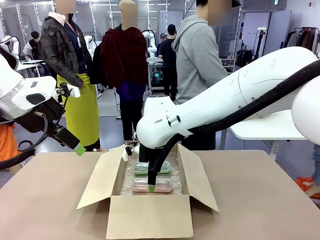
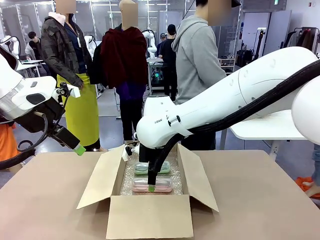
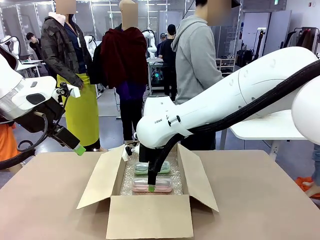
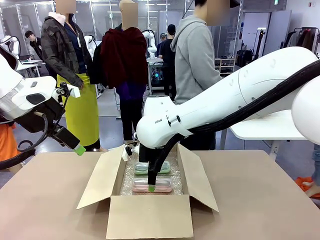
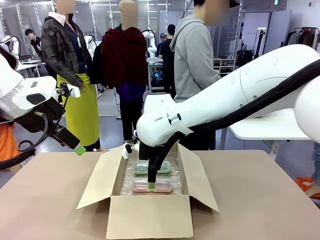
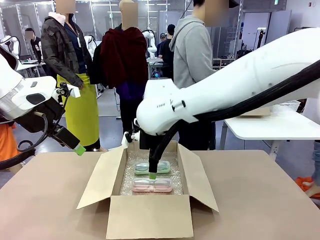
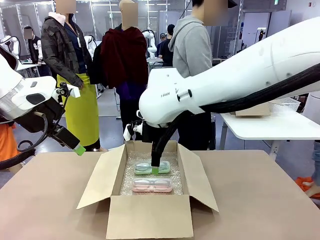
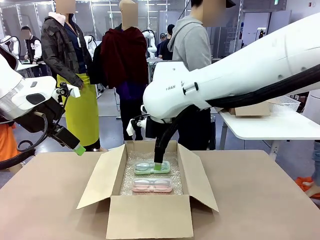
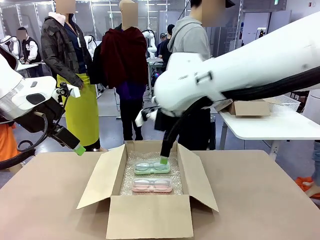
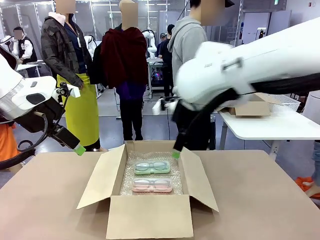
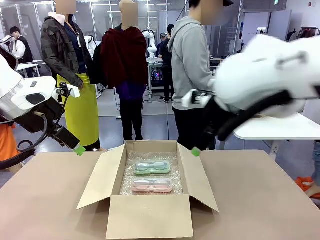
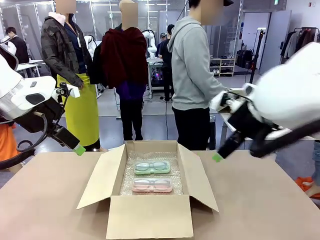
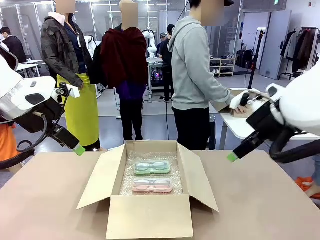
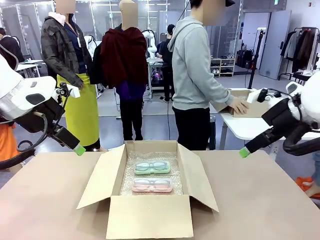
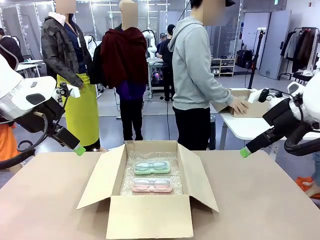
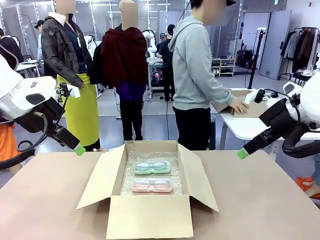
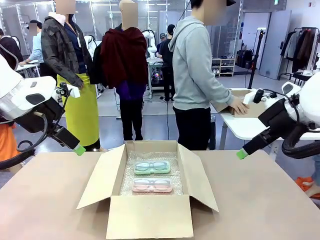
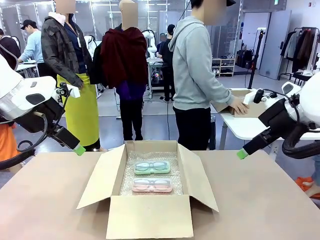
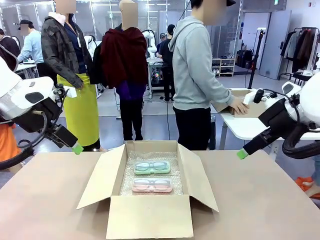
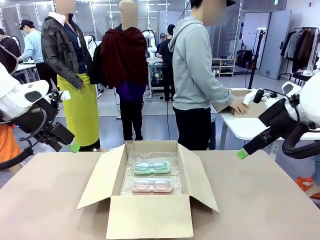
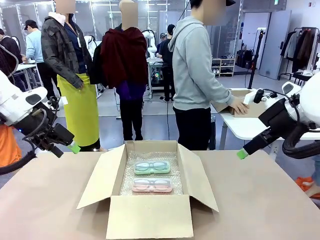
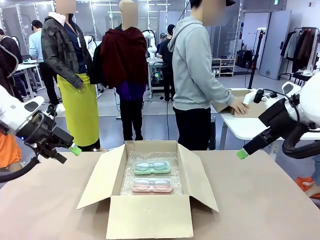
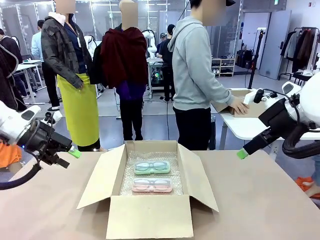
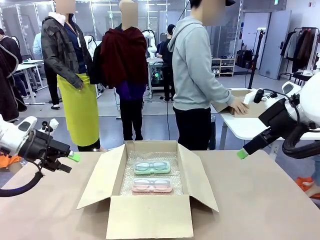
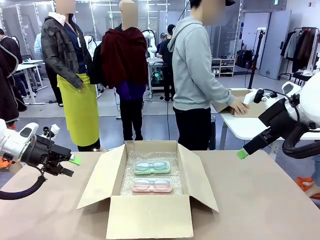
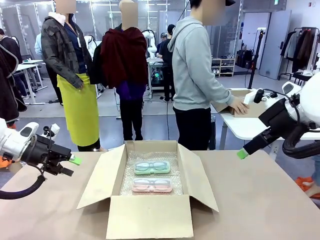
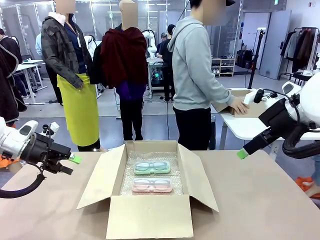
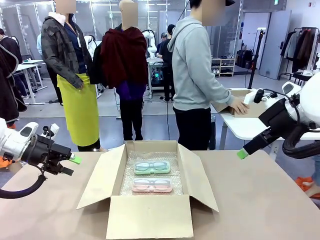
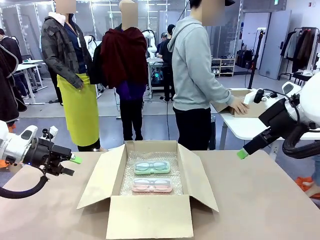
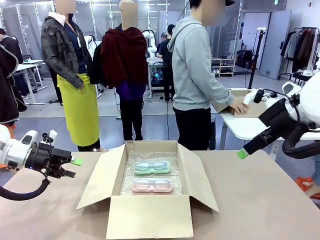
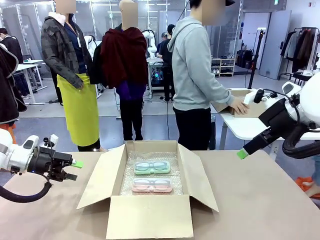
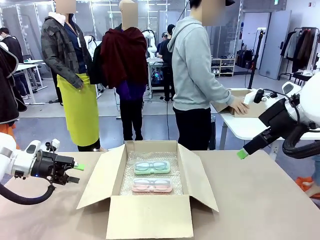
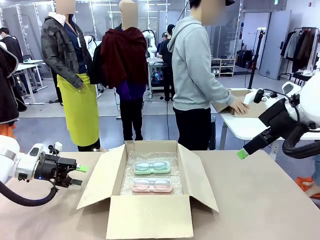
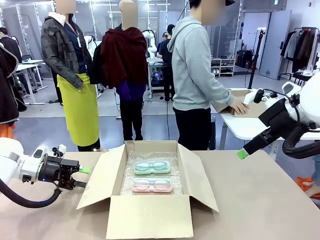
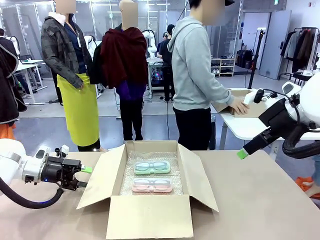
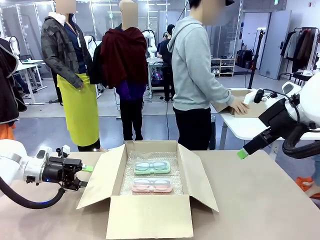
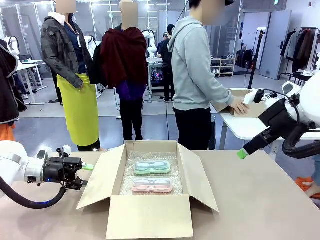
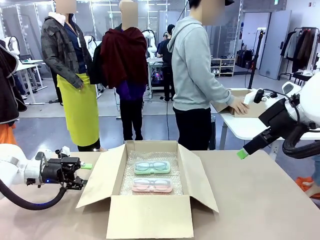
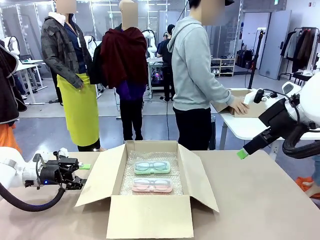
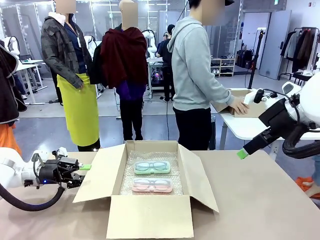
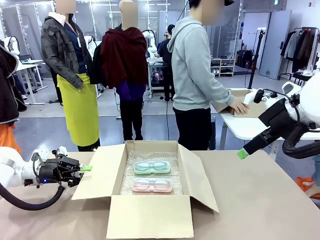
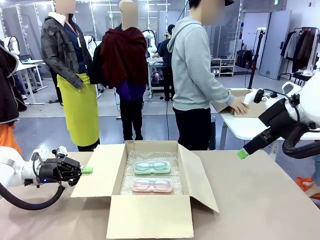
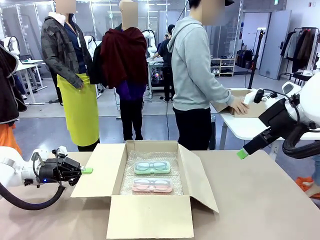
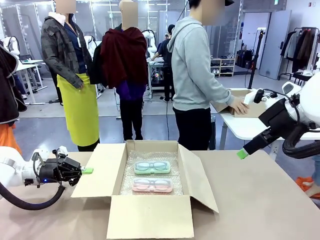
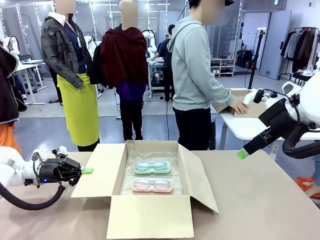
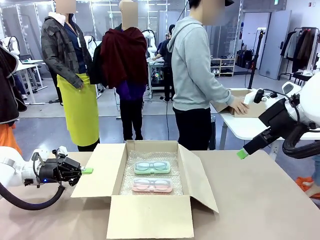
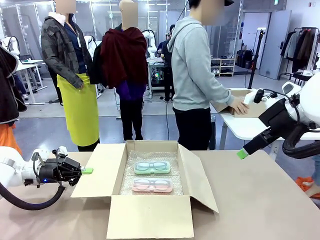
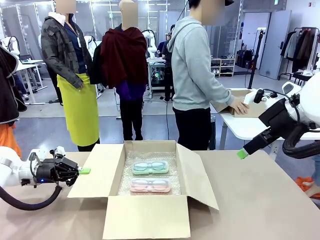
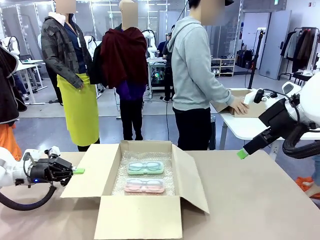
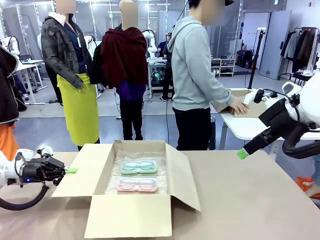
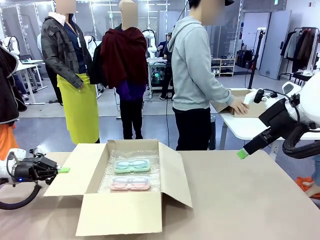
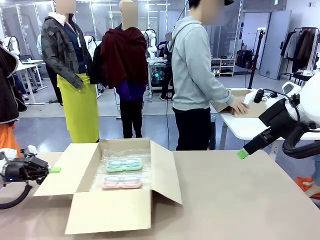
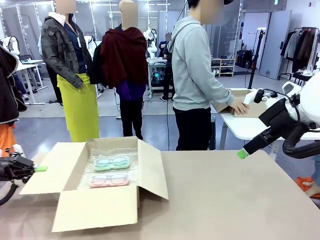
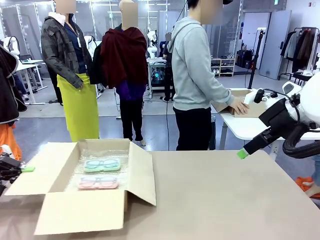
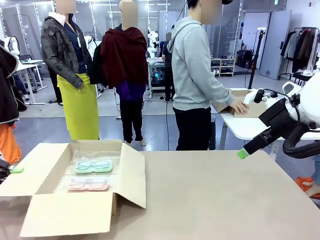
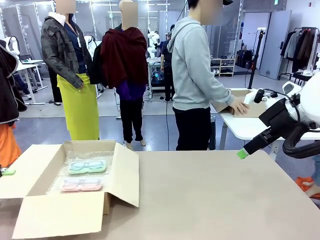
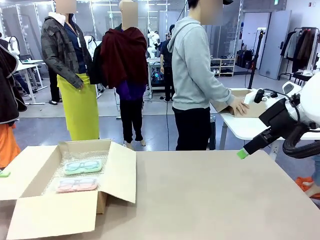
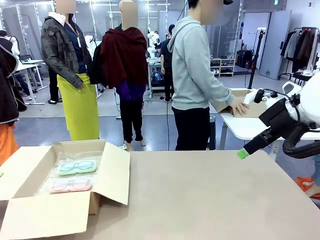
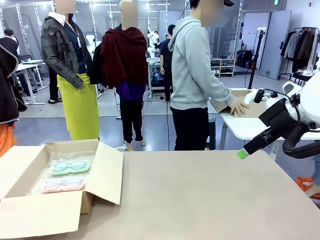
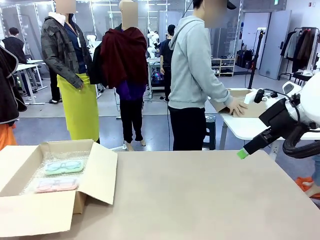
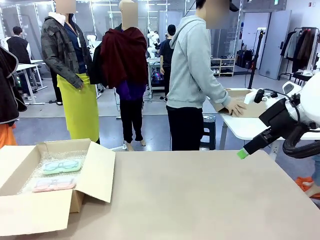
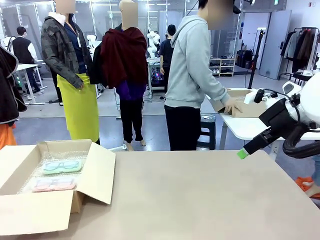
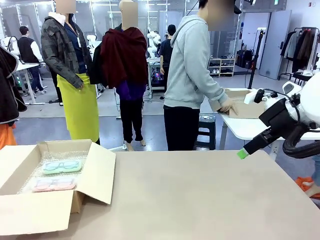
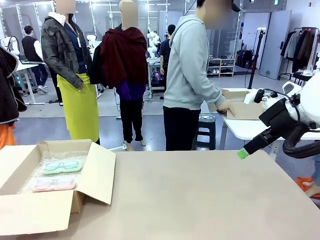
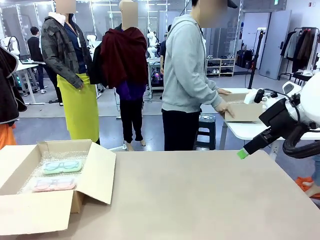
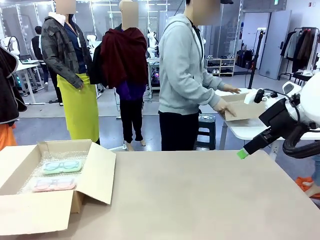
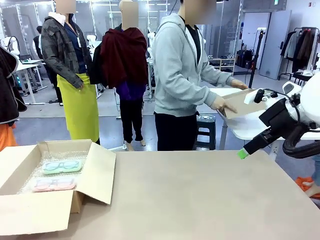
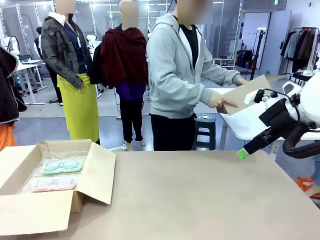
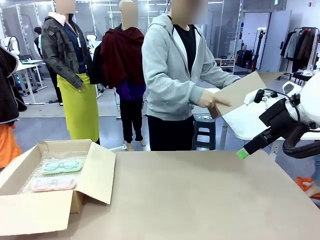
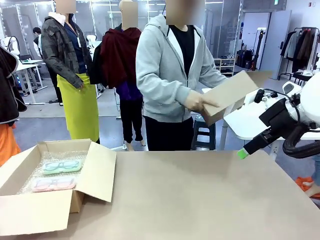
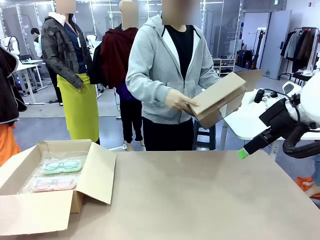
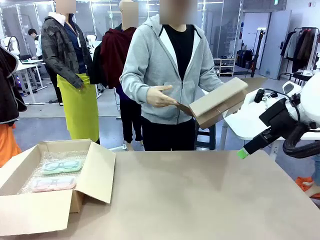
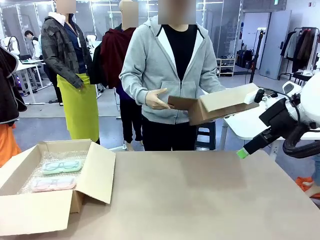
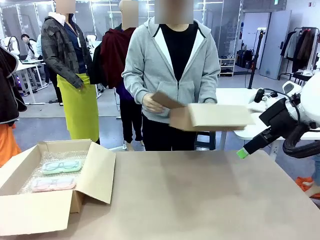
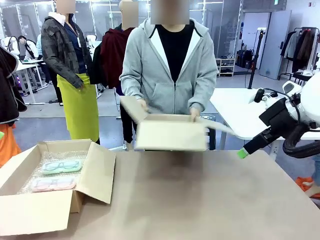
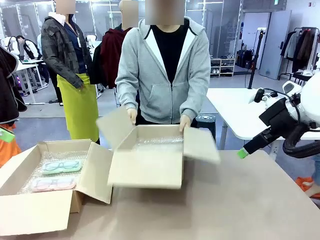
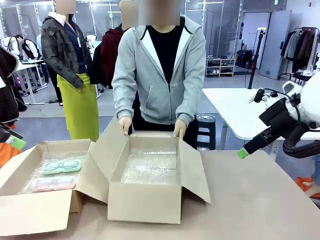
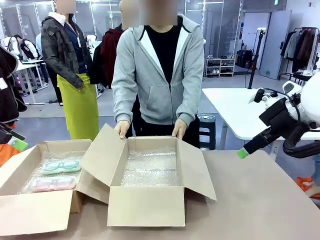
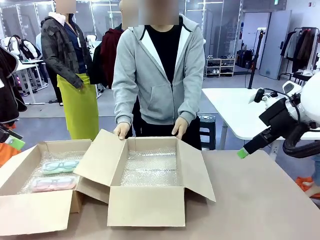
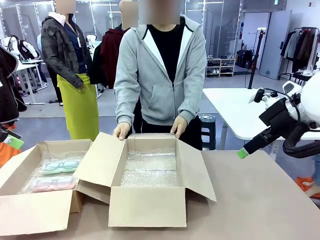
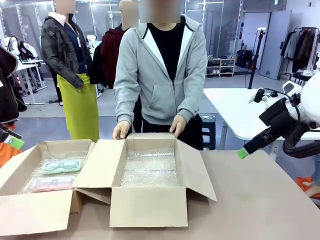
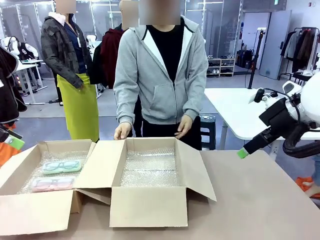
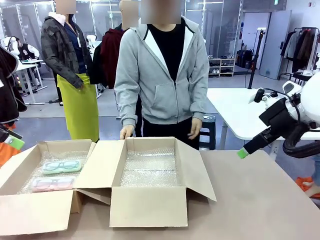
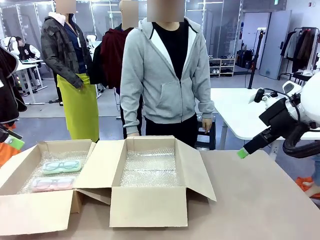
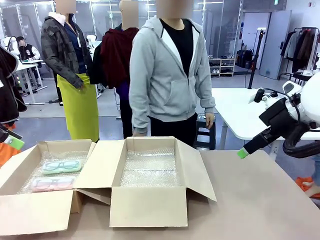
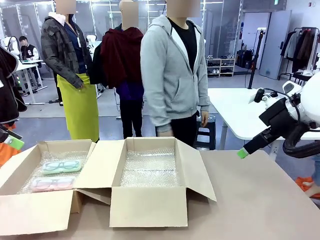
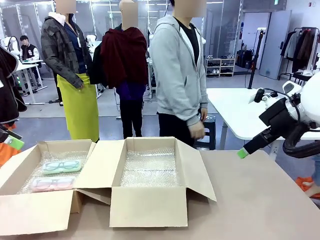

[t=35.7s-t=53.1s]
Task: Pack the glasses set securely to prepare it for shipping.
Robot: Position the Package Box on the left side of the table.
Person: Position the empty Package Box in the middle of the robot's table.
